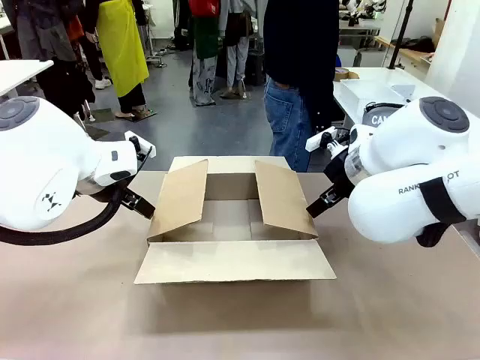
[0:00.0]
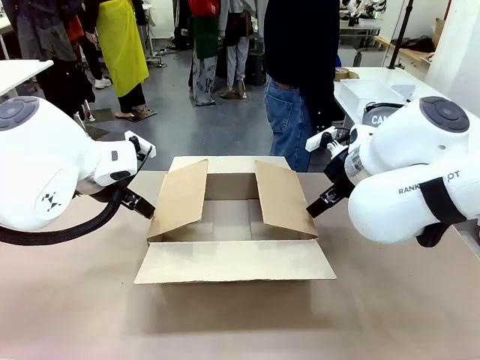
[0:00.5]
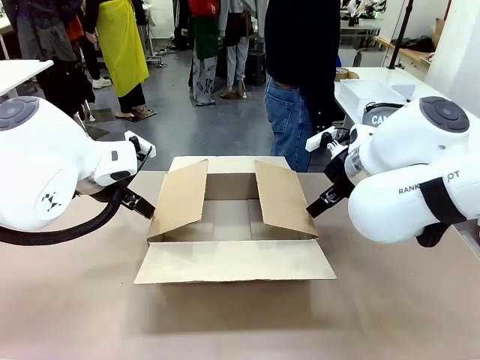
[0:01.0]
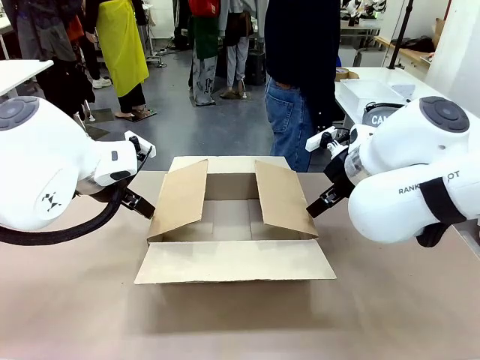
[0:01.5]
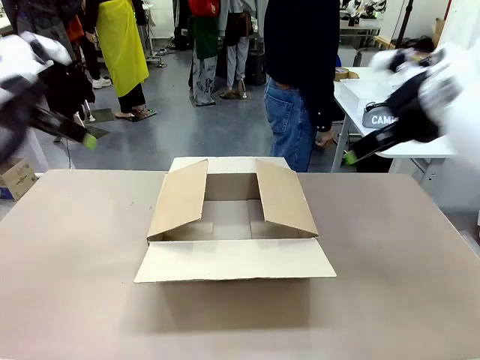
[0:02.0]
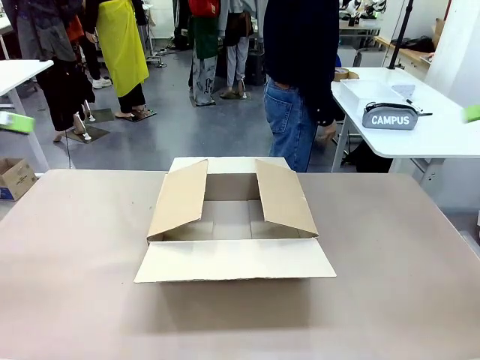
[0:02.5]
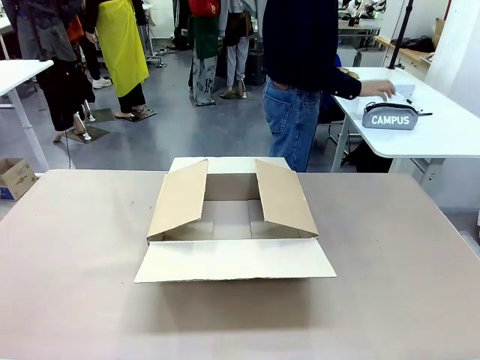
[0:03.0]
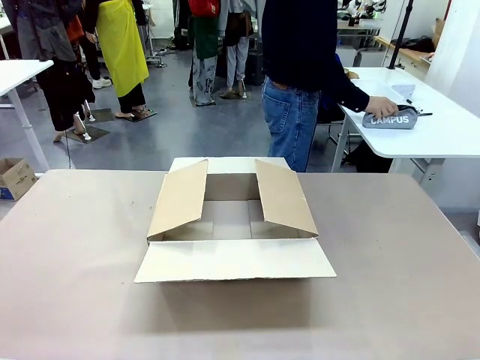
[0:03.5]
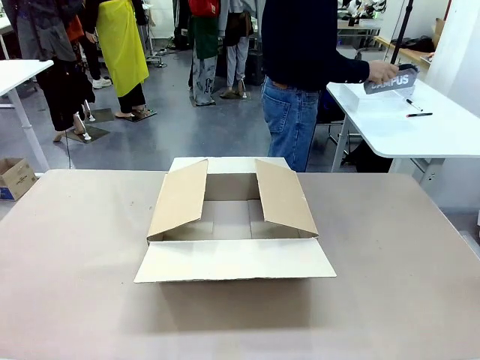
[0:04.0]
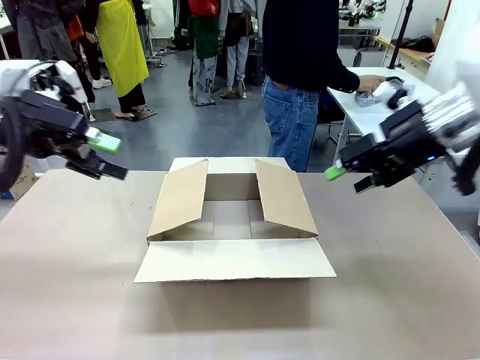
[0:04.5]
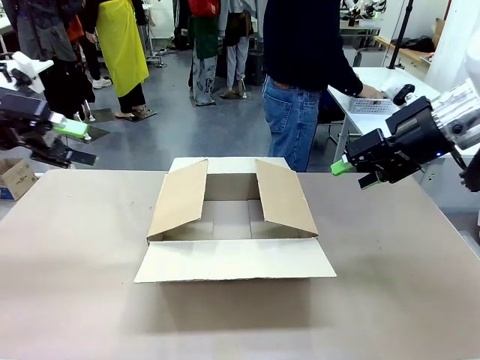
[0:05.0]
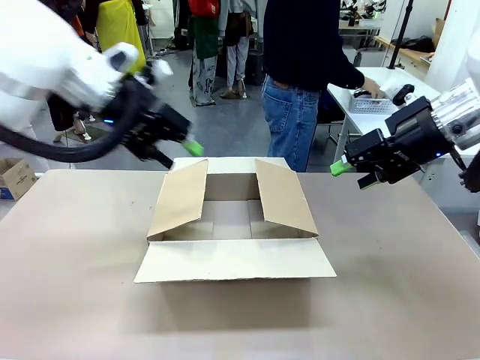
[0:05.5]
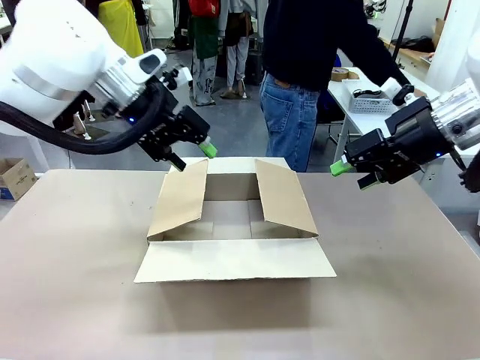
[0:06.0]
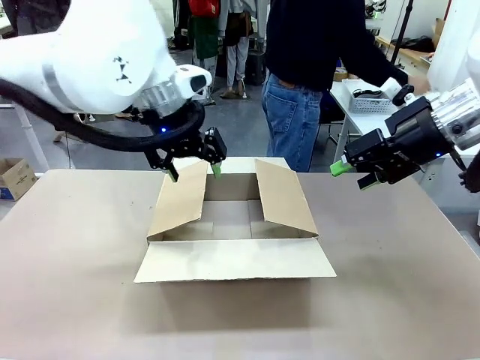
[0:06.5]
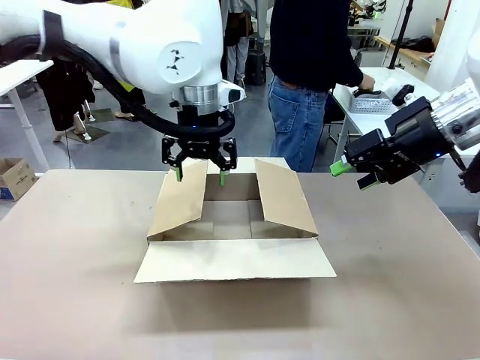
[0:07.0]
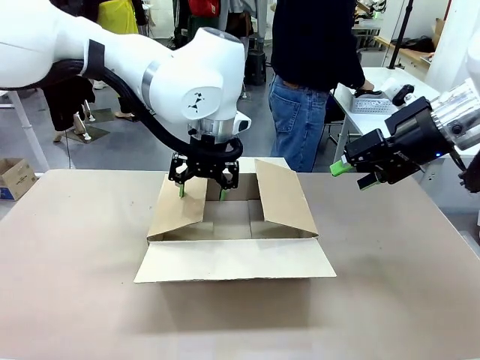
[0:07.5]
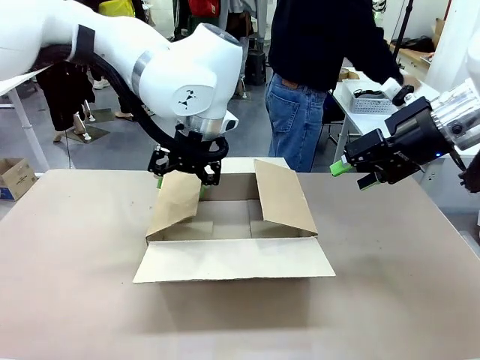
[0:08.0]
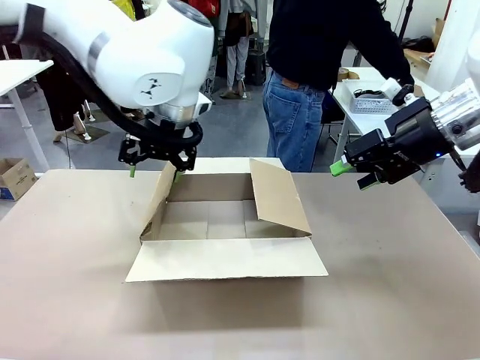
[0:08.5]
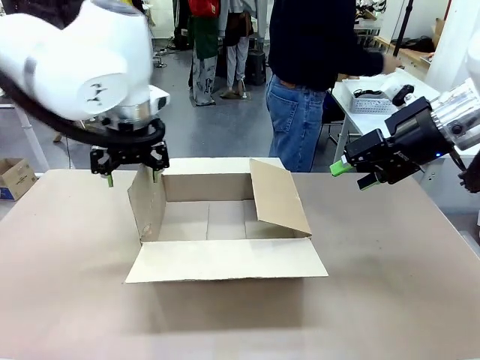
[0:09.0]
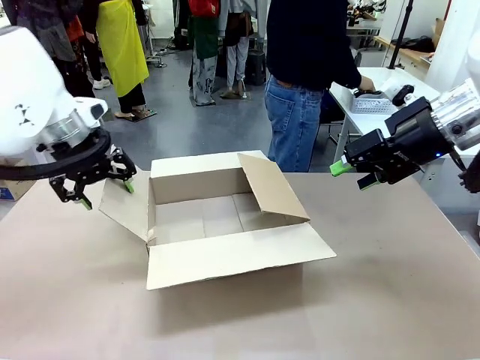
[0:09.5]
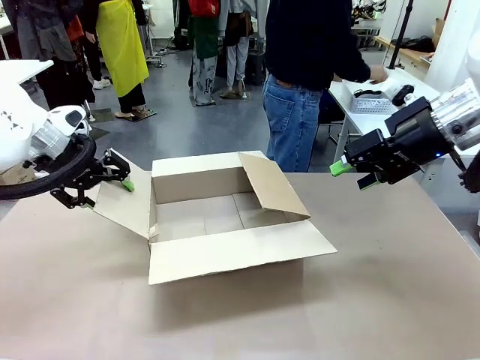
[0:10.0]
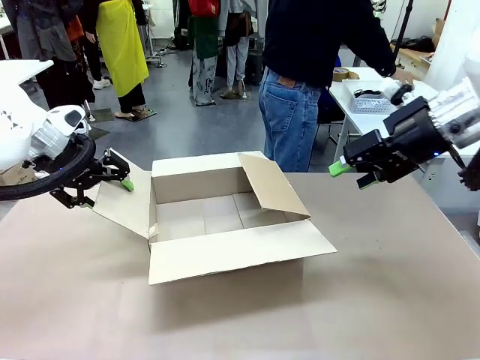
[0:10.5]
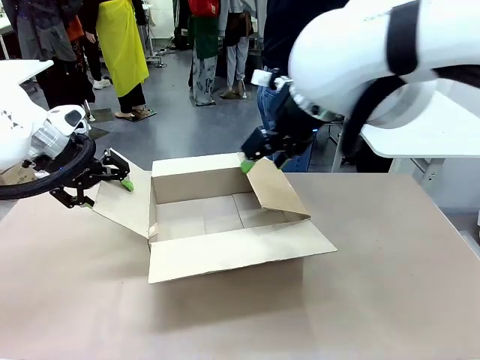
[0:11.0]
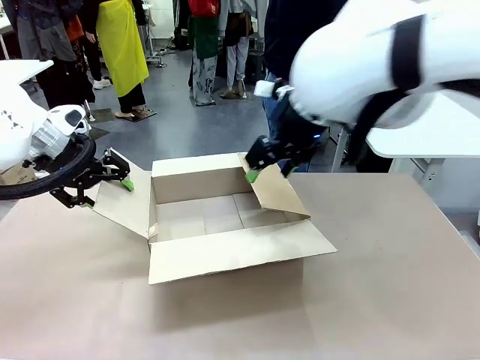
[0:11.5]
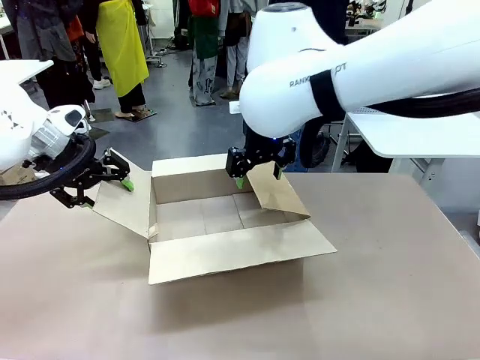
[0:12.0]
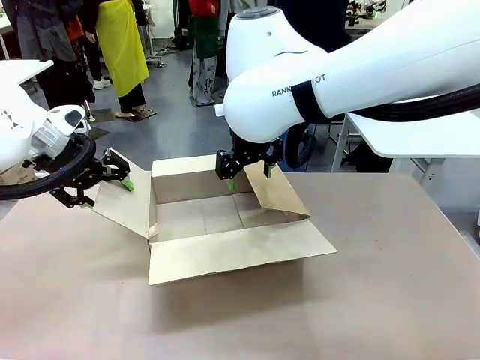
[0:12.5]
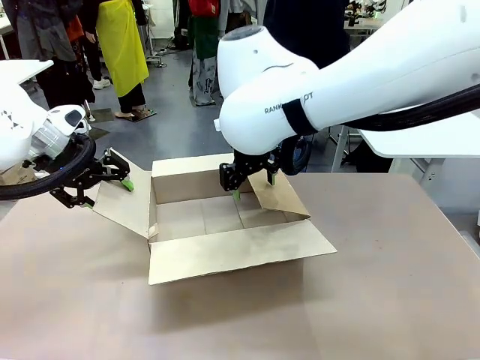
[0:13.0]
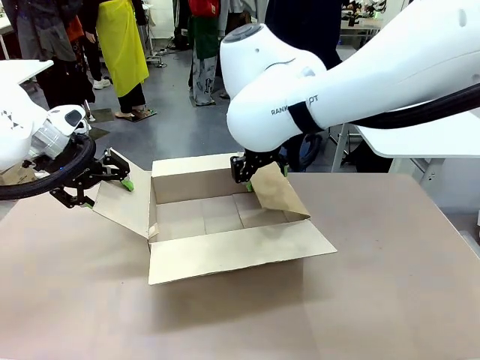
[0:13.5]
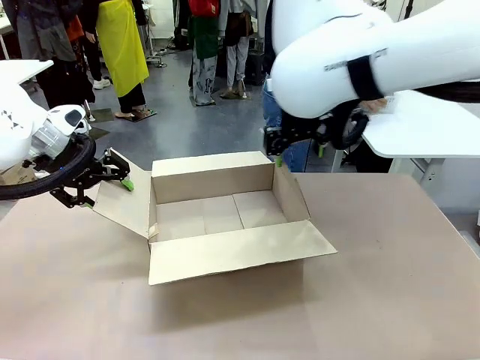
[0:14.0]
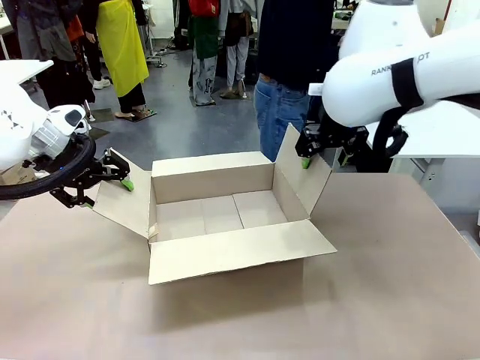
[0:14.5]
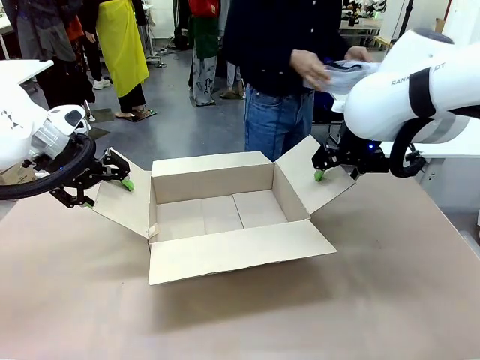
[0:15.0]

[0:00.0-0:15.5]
Task: Pack the gift set into the box.
Robot: Place both hands on the side flaps of the Package Box and spread them outward.
Person: The human places all items except the paper tape into the organizing basket.

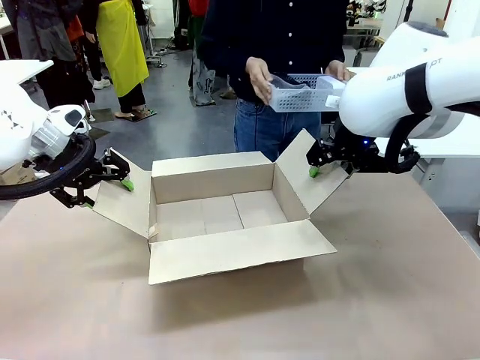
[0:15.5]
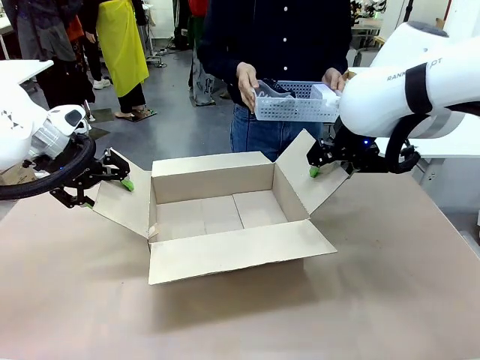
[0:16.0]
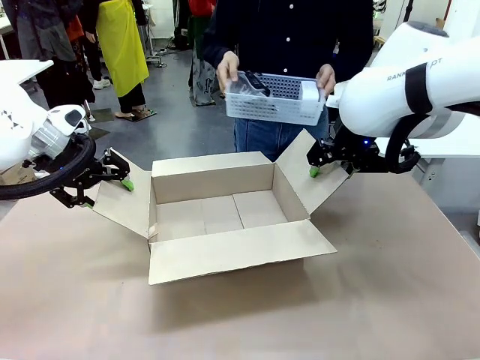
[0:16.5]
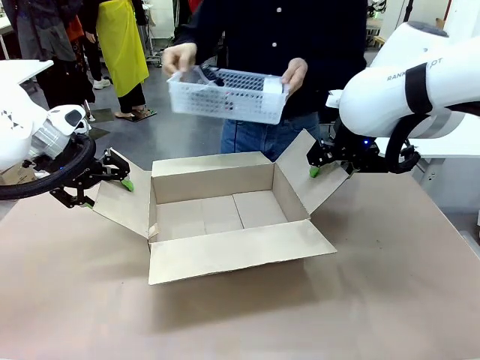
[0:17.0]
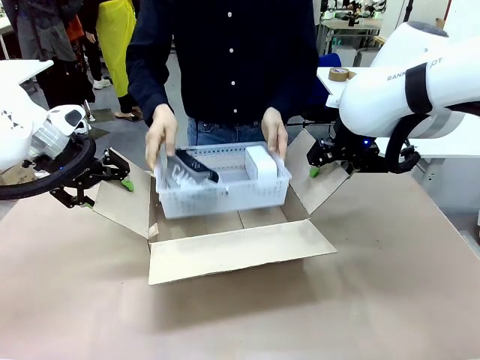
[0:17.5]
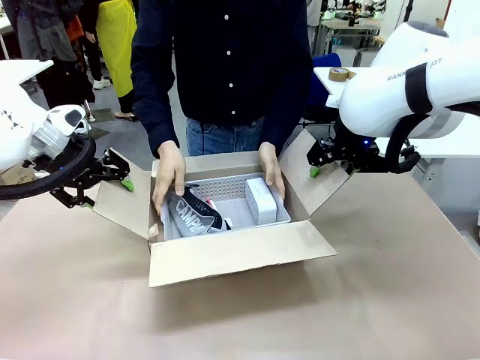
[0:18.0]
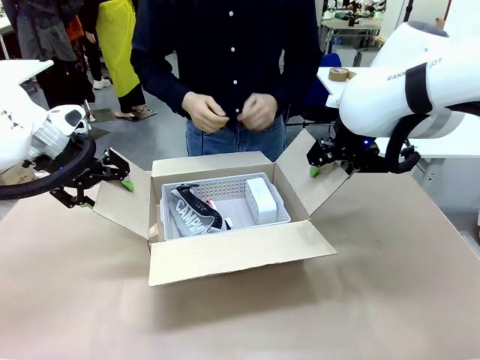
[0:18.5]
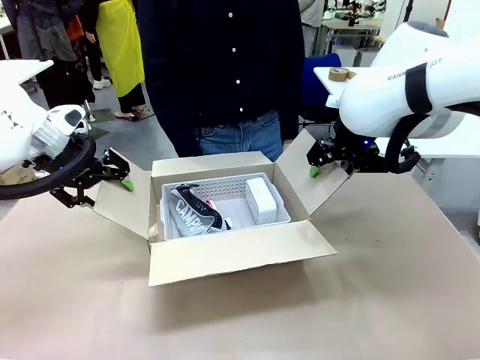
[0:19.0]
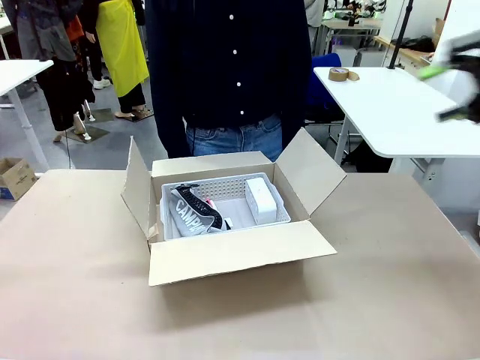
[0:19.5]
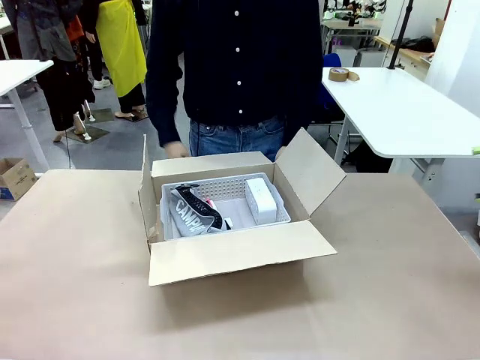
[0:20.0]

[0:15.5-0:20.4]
Robot: Lift both hands away from the flaps of the Package Box.
Person: The human picks up the organizing basket and places the organizing basket into the package box on the robot table.
